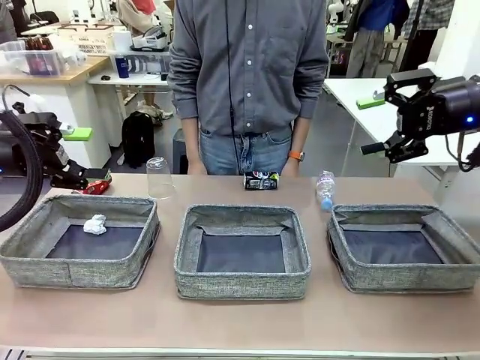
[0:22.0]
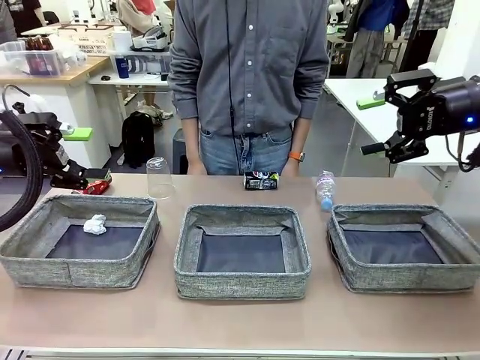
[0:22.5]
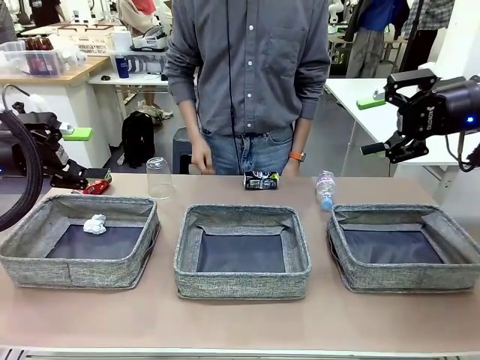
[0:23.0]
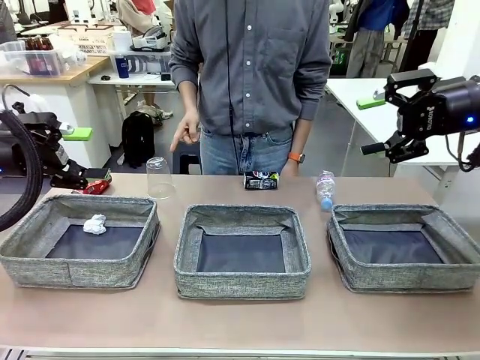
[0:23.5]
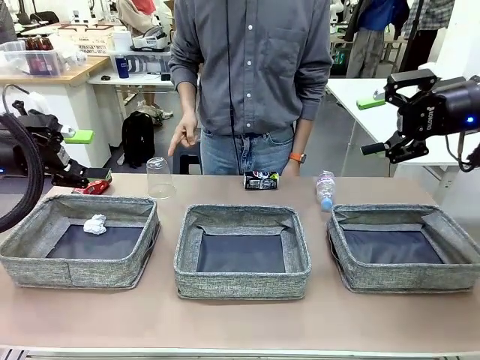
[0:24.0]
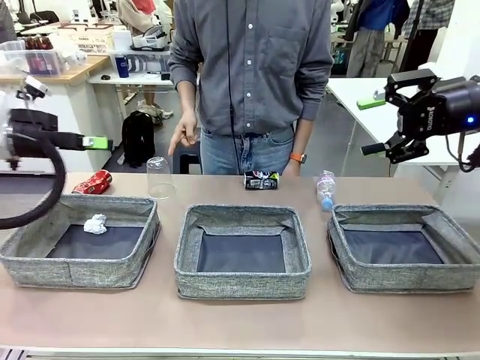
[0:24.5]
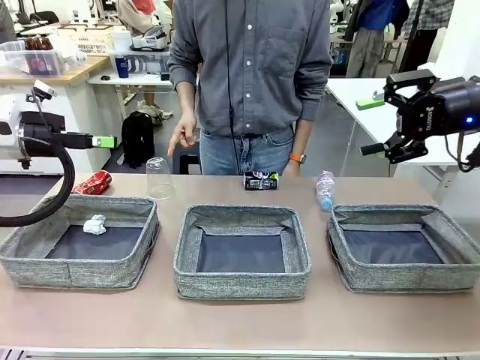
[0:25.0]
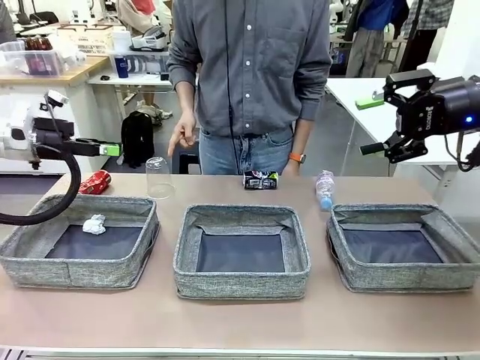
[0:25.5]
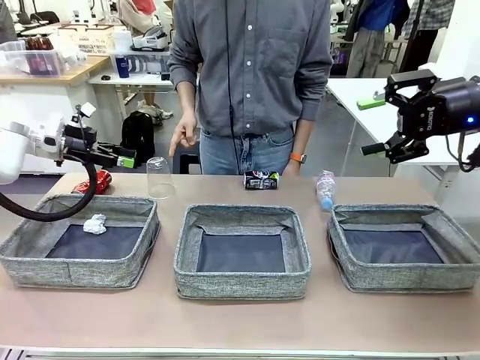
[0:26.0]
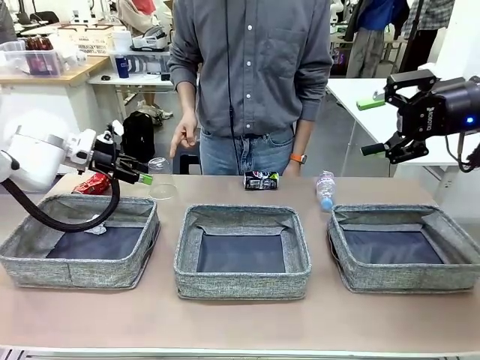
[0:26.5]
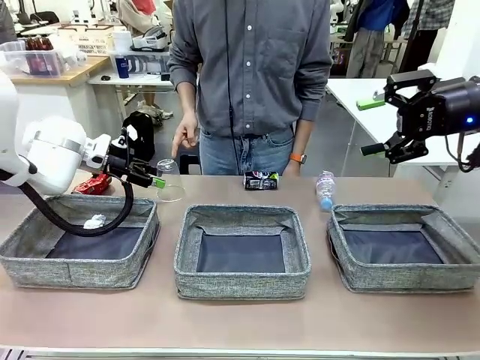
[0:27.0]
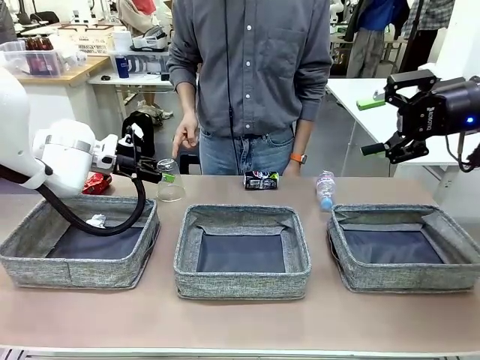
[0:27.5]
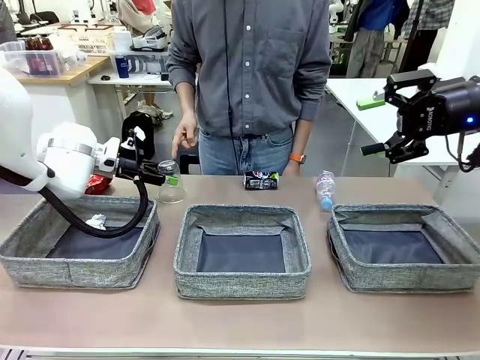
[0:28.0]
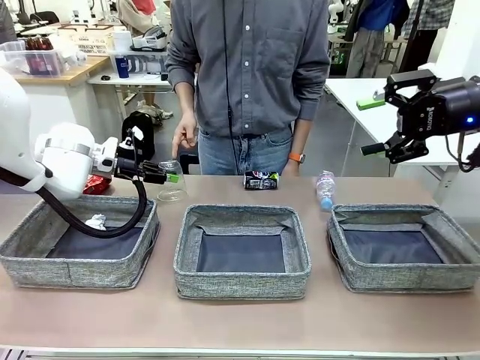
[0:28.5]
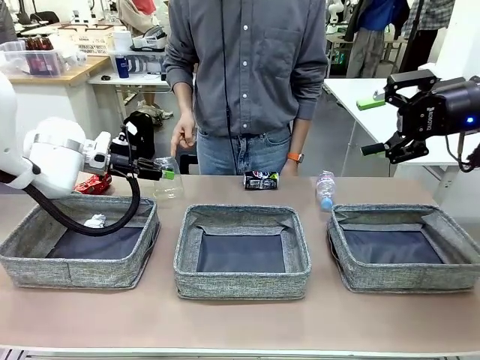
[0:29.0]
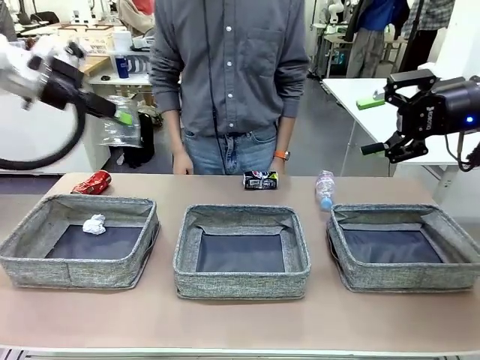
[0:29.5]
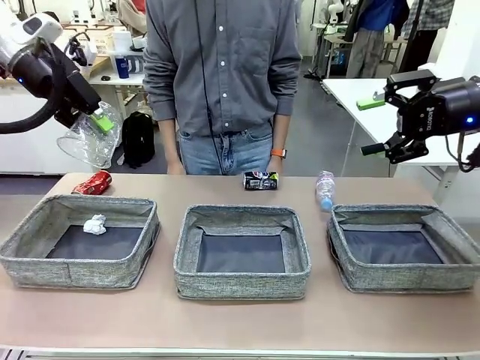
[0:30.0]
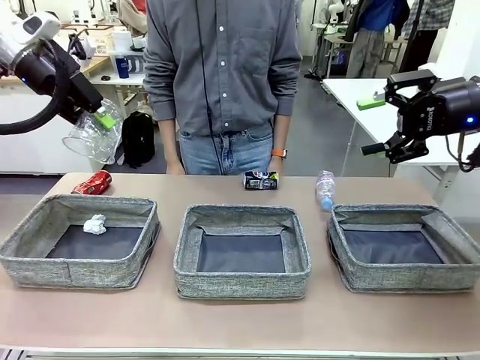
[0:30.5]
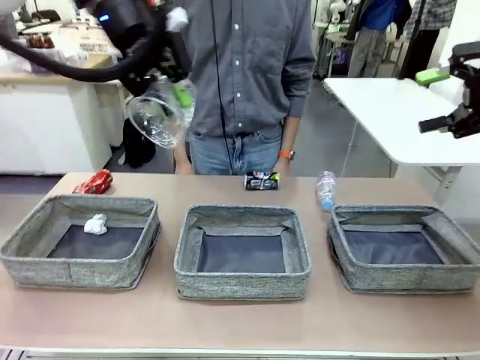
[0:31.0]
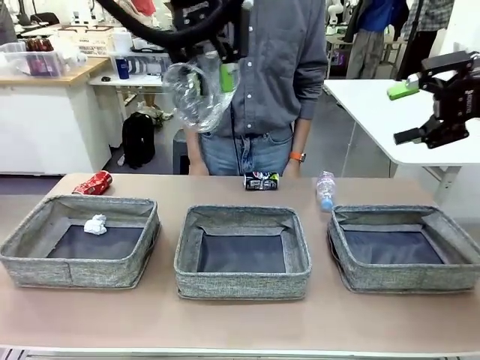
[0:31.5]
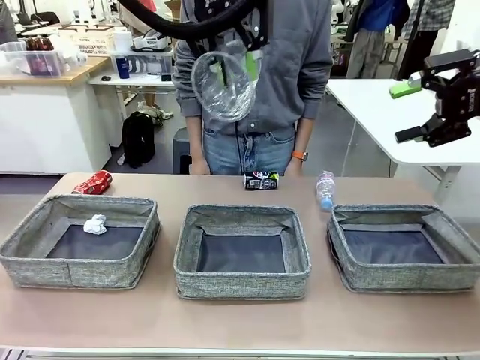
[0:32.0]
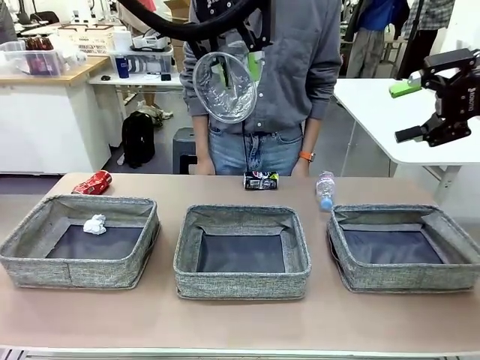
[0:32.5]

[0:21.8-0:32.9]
Task: Sort the waste into the appropriate baskets.
Robot: Pick up the waste item pointed out by the person.
Person: Points to one piece of trash on the table.

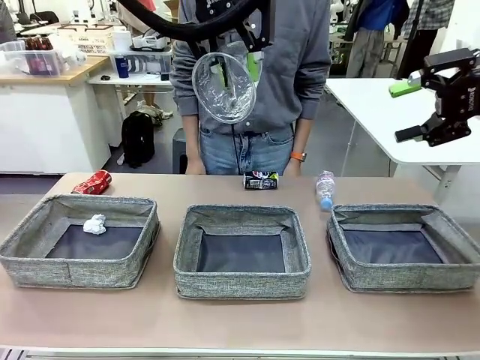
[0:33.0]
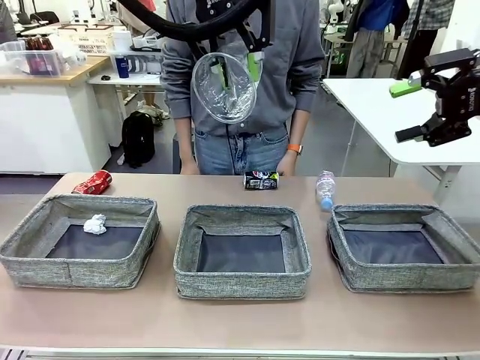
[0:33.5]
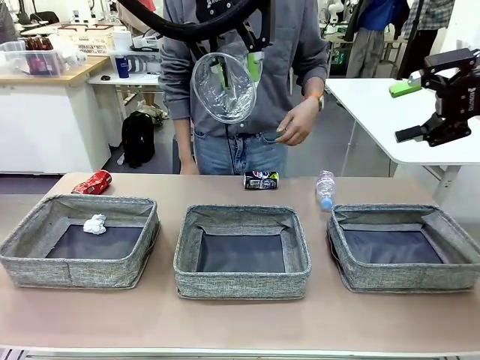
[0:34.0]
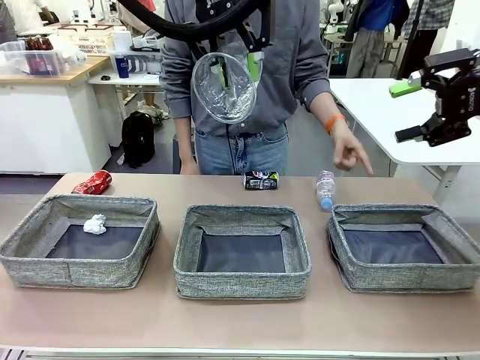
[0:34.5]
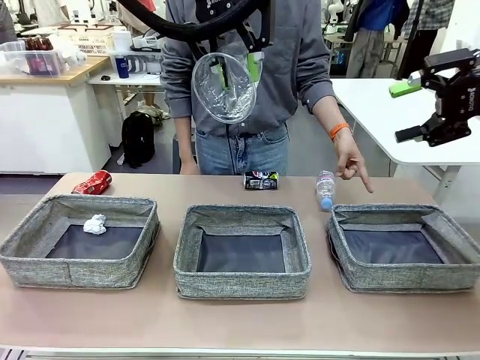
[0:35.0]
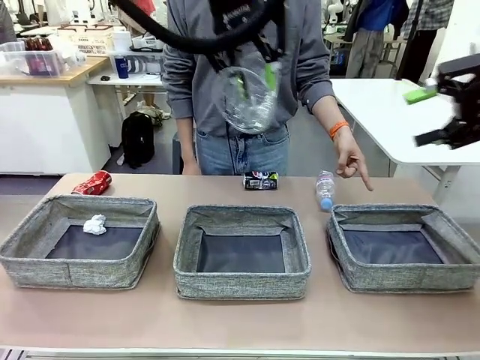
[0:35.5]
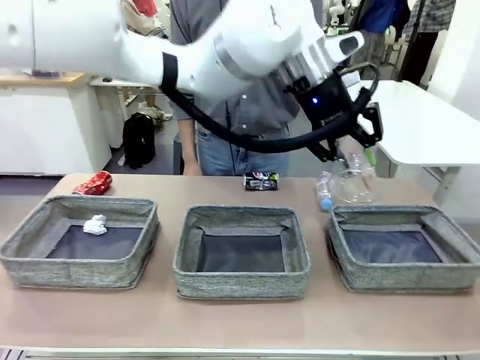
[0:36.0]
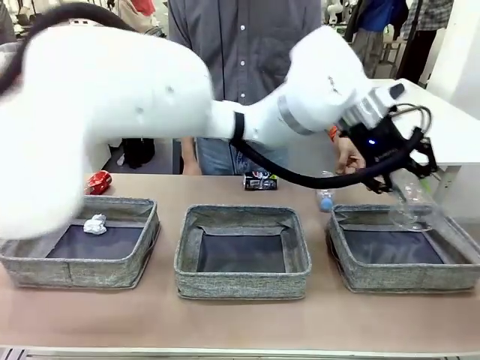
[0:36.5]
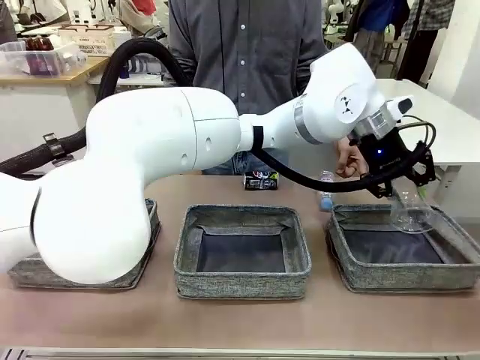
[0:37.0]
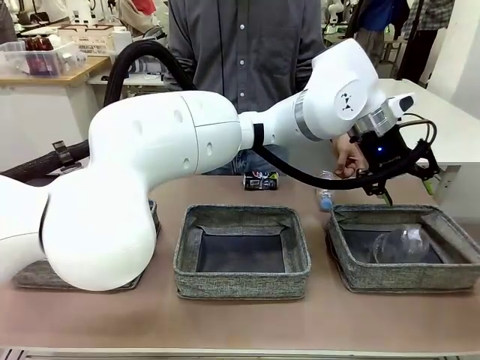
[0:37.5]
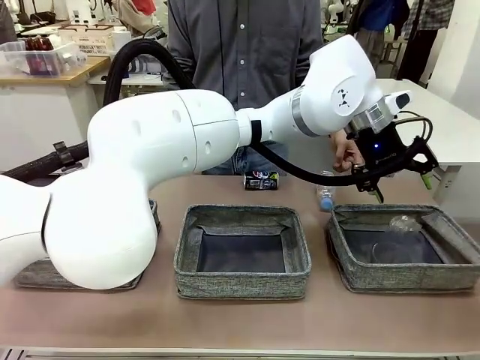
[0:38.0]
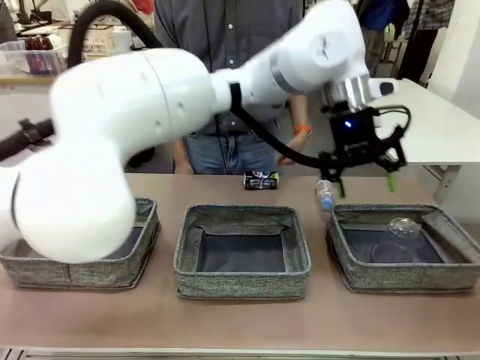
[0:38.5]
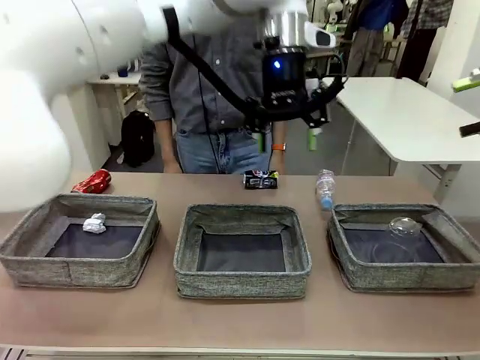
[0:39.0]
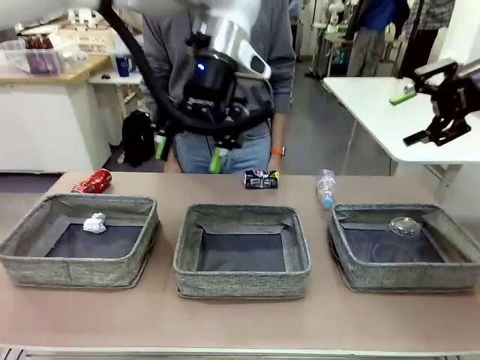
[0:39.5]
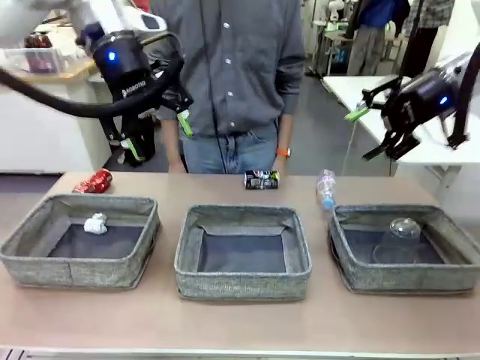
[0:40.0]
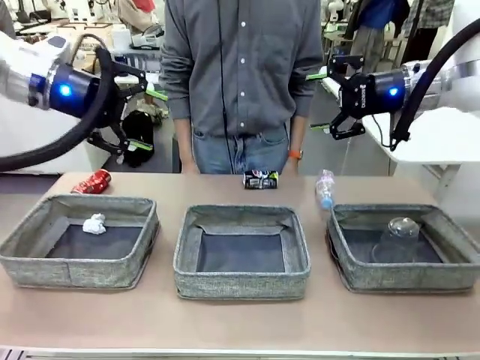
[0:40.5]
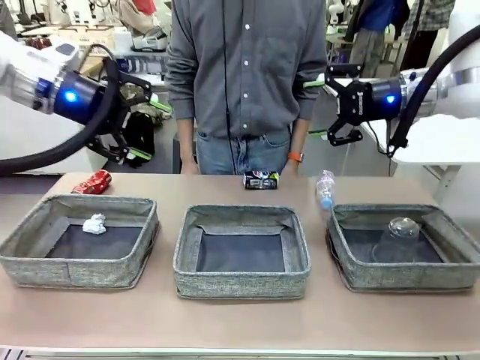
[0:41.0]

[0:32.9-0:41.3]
Robot: Place the picked waste into the Fabric basket indicated by the person.
Person: Instructs the robot to place the picked-up trash into the appropriate organizing basket.

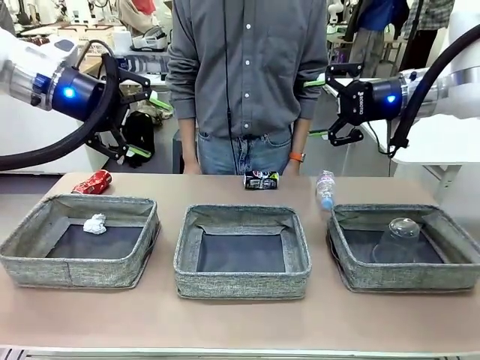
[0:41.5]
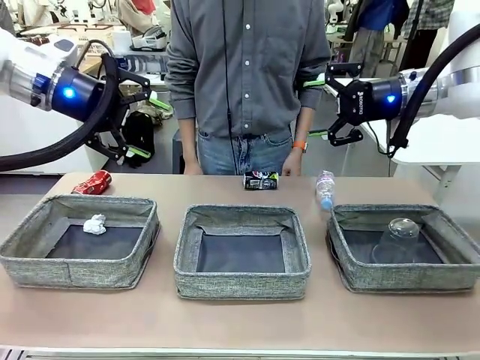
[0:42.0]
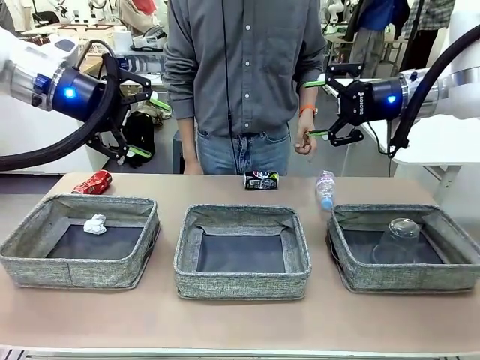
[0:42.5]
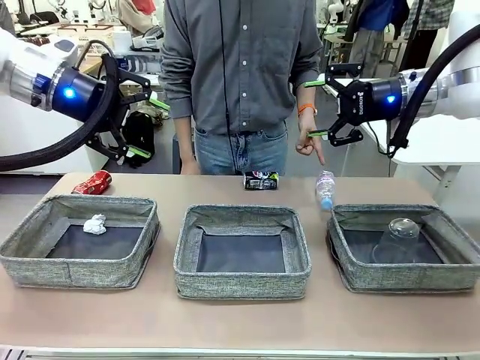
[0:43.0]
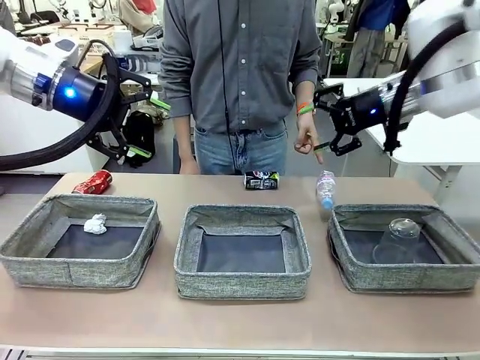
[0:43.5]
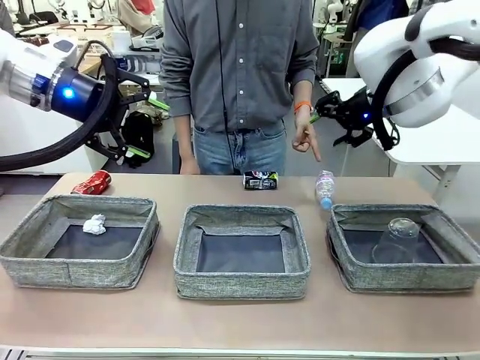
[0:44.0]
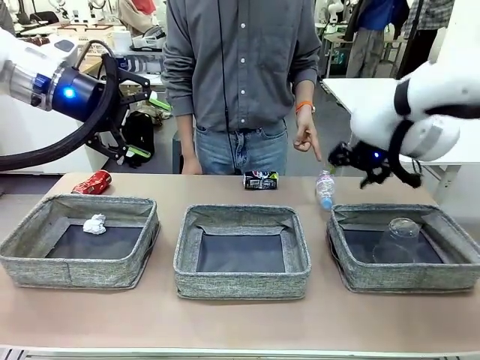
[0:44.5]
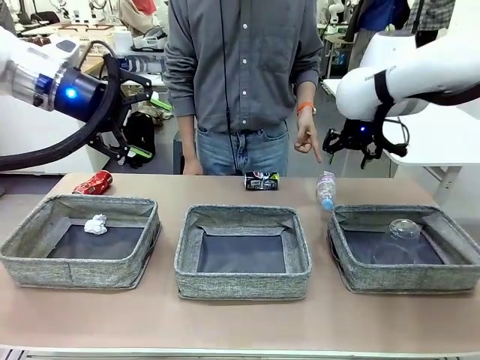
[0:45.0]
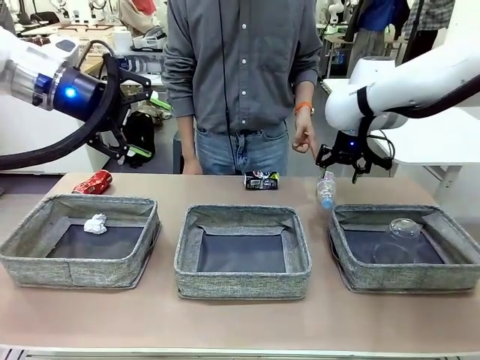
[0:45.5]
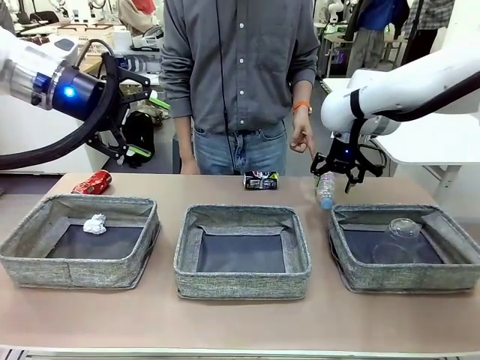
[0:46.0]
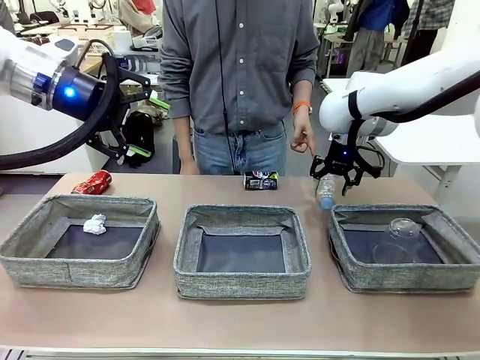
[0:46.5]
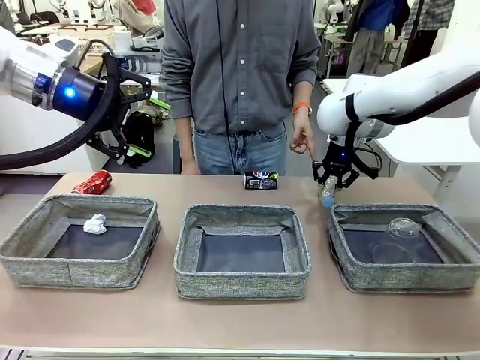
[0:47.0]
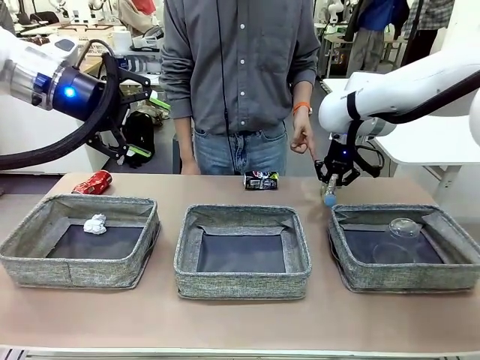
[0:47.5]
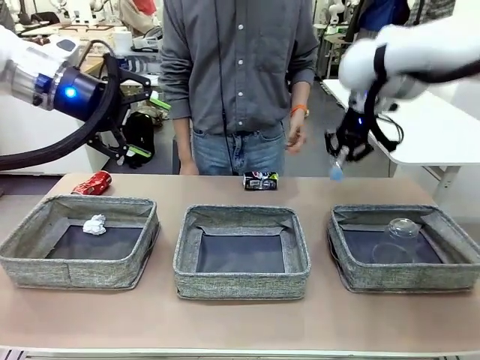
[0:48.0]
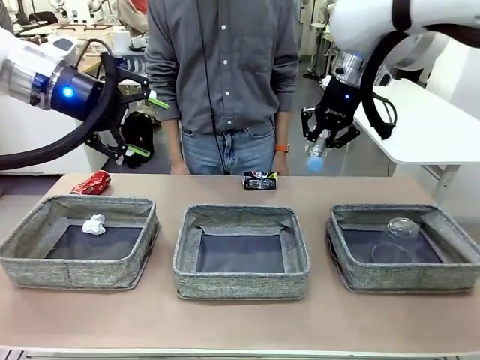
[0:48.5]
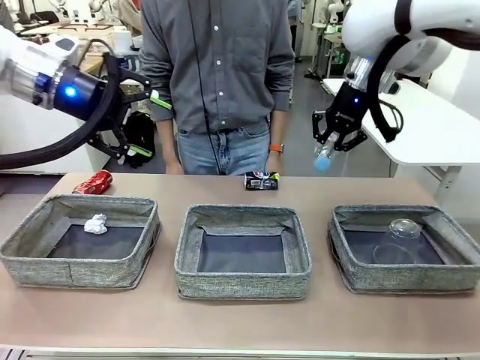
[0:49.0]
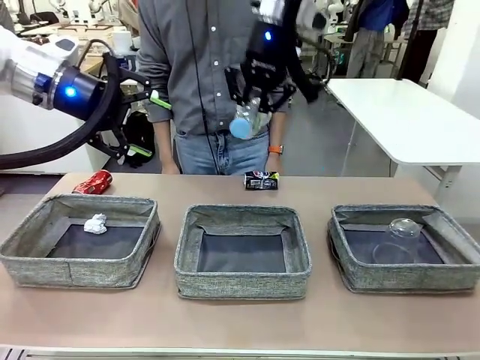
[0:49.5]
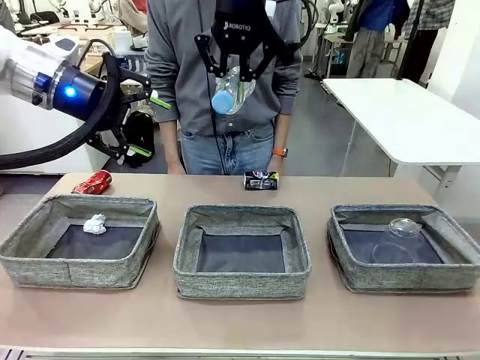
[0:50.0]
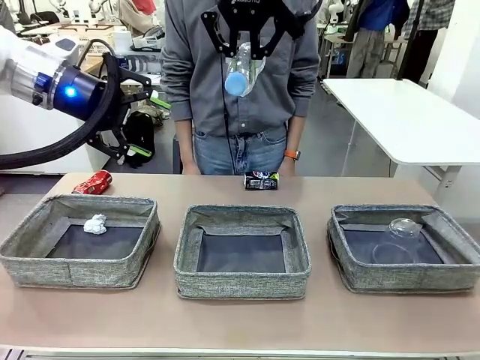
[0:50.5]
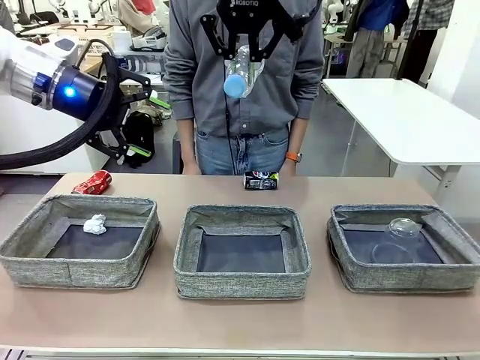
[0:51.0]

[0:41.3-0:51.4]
Robot: Pick up the waste item pointed out by the person.
Person: Points to one piece of trash on the table.
